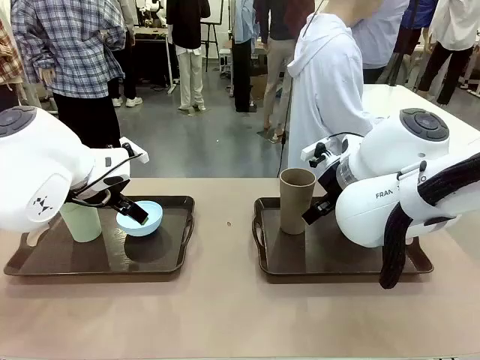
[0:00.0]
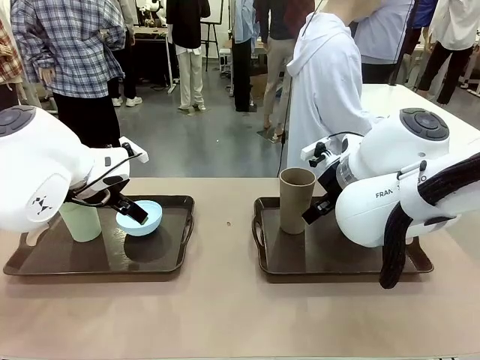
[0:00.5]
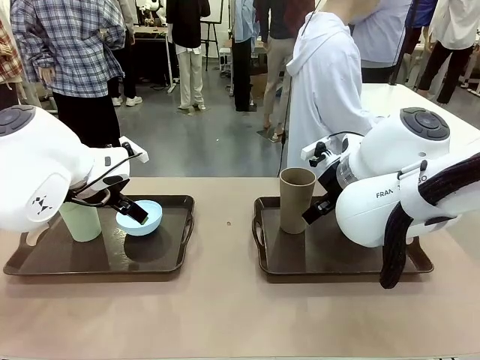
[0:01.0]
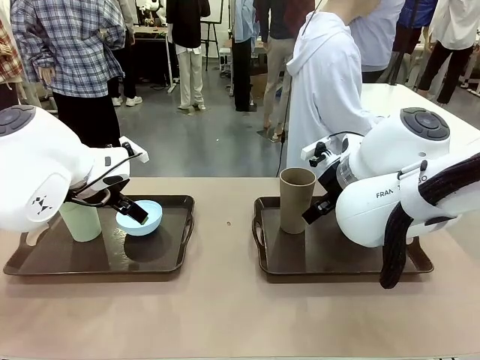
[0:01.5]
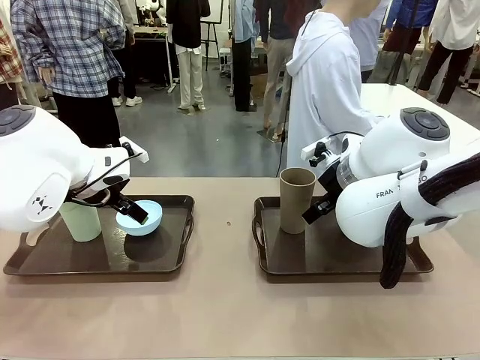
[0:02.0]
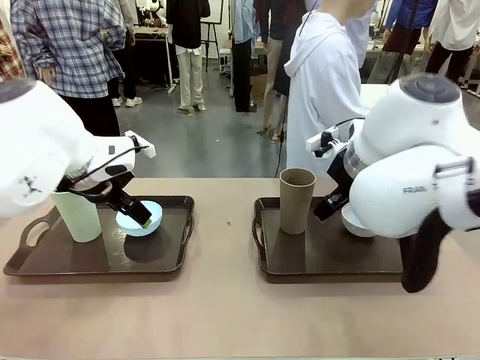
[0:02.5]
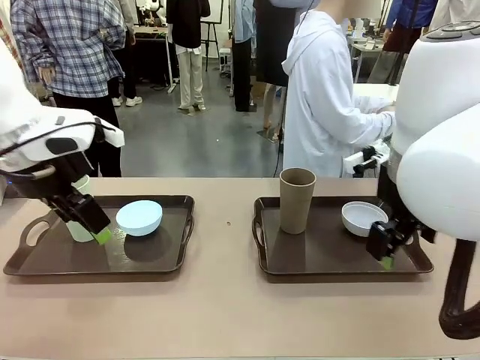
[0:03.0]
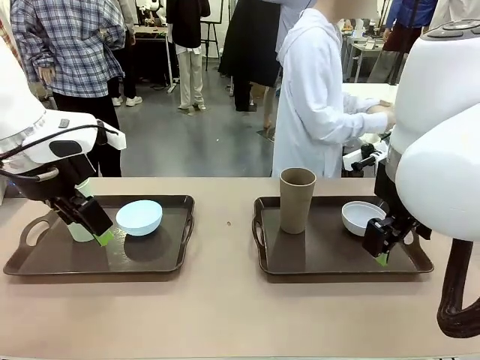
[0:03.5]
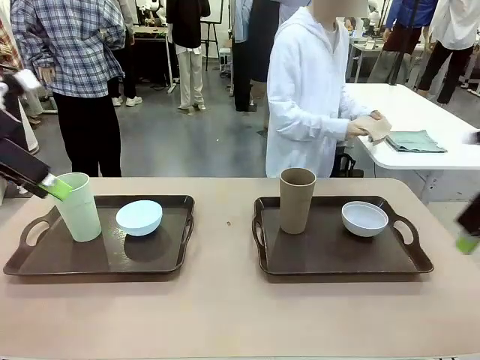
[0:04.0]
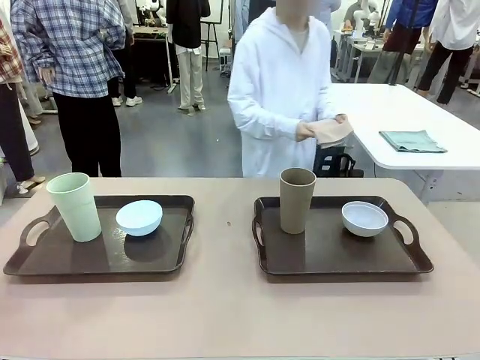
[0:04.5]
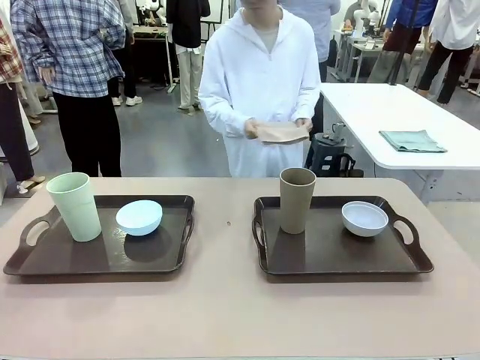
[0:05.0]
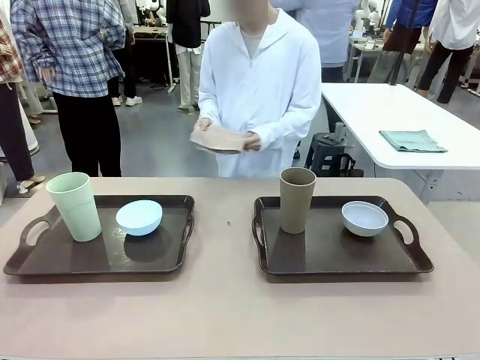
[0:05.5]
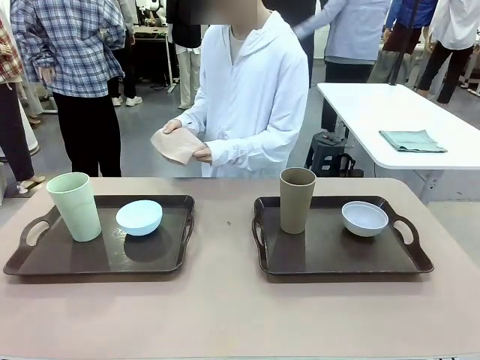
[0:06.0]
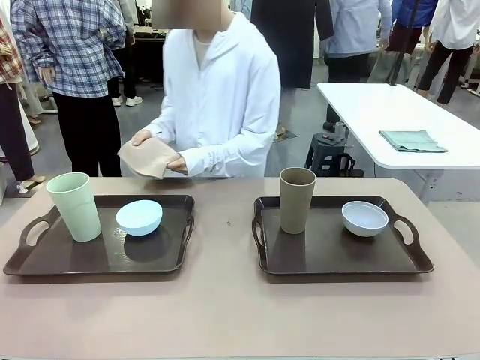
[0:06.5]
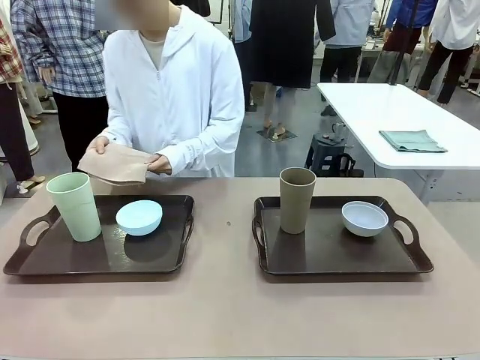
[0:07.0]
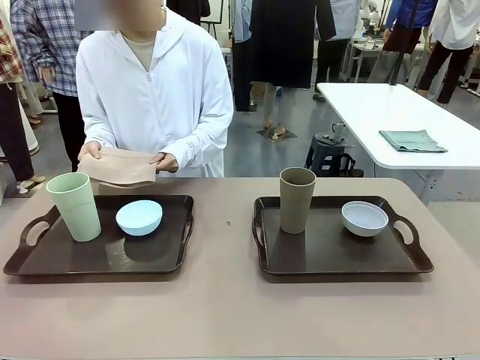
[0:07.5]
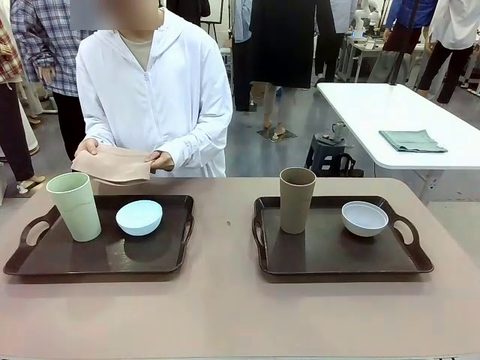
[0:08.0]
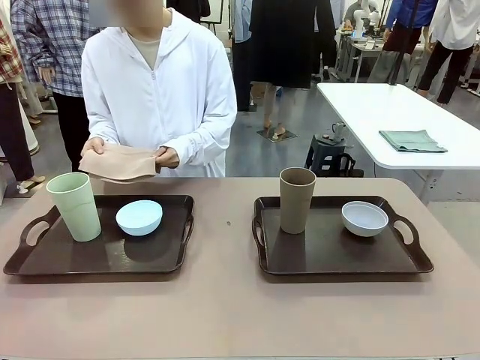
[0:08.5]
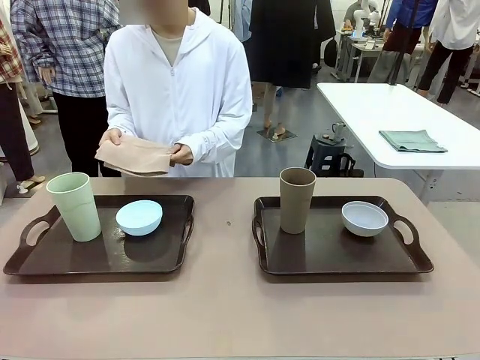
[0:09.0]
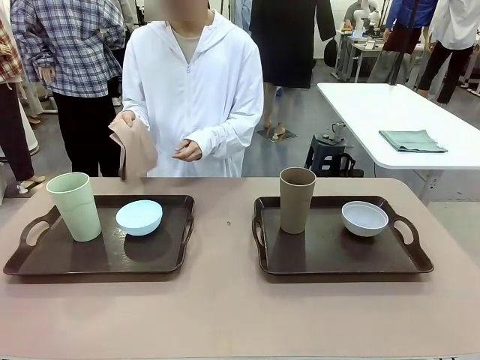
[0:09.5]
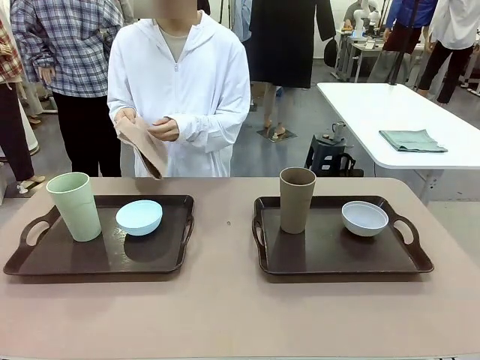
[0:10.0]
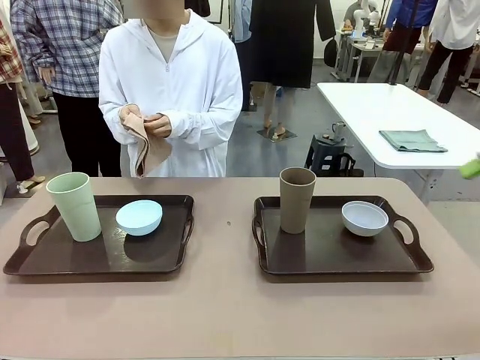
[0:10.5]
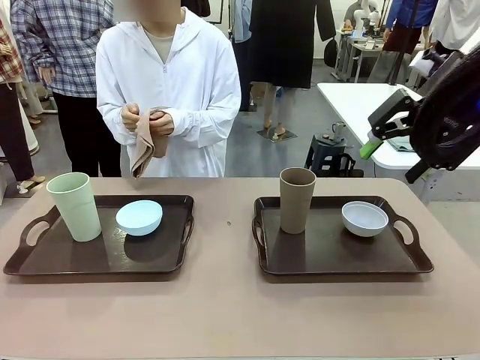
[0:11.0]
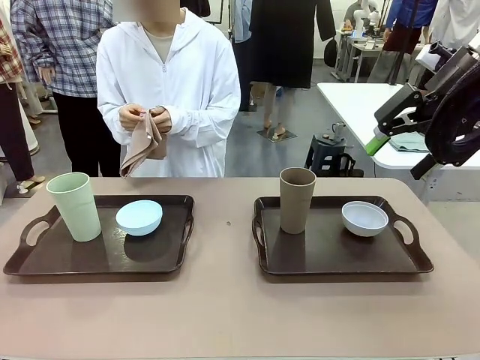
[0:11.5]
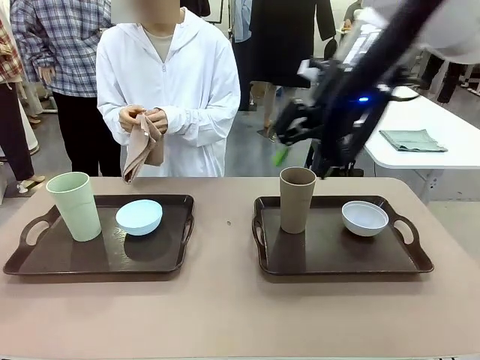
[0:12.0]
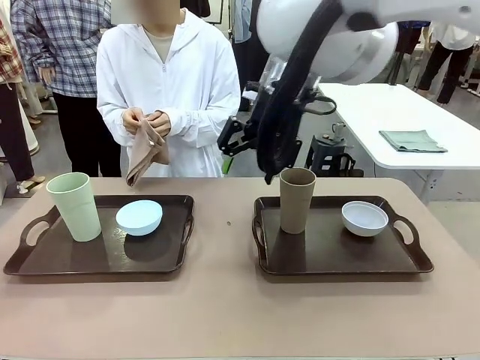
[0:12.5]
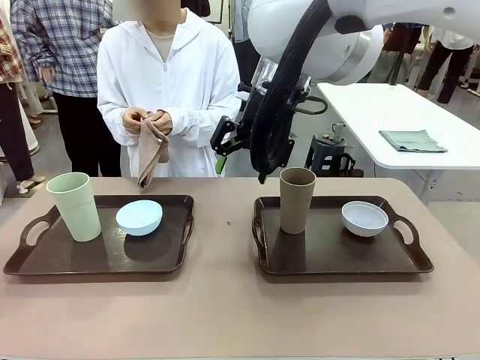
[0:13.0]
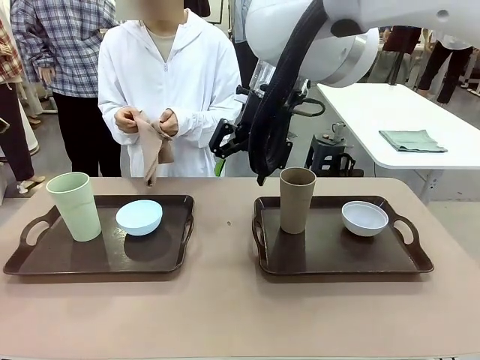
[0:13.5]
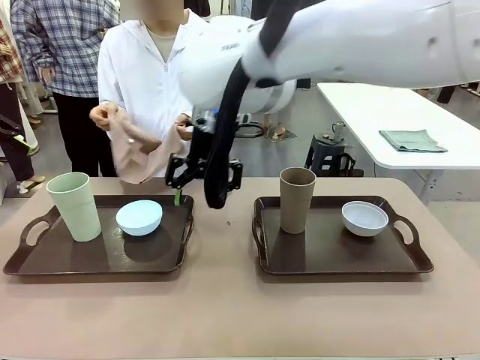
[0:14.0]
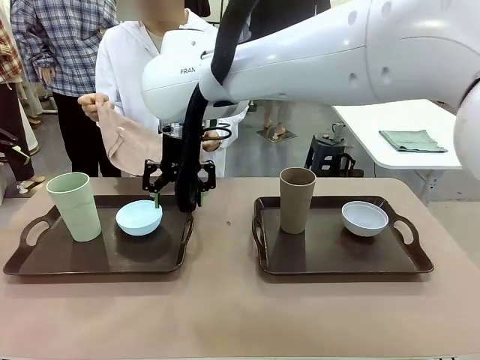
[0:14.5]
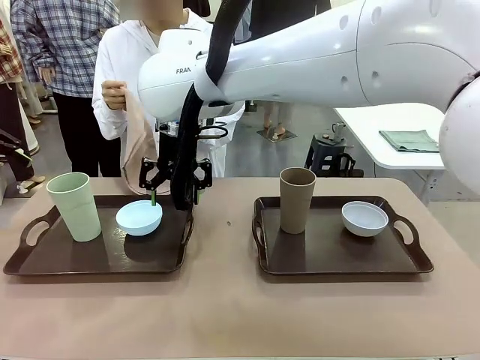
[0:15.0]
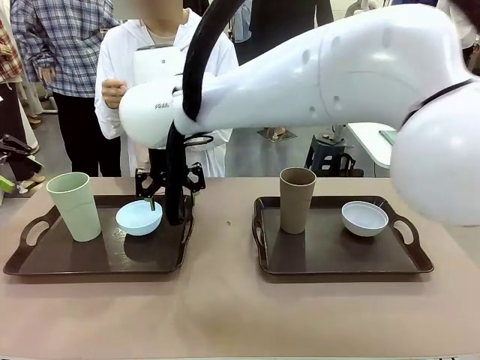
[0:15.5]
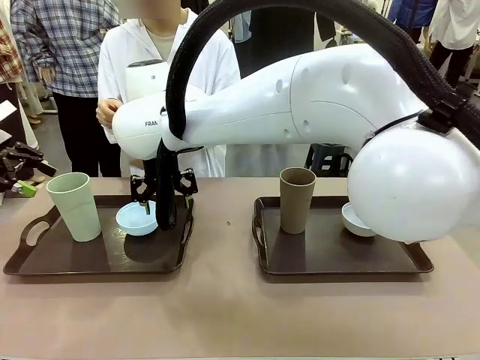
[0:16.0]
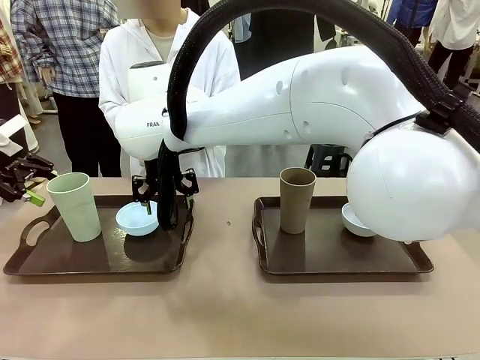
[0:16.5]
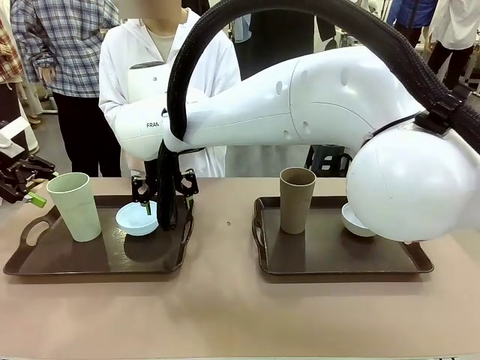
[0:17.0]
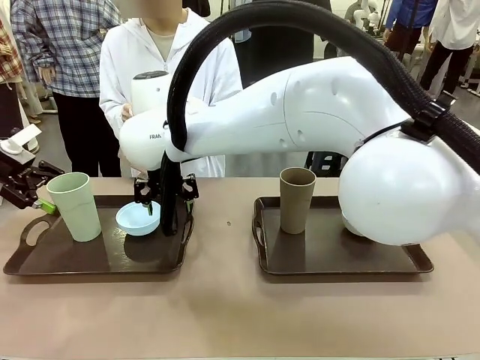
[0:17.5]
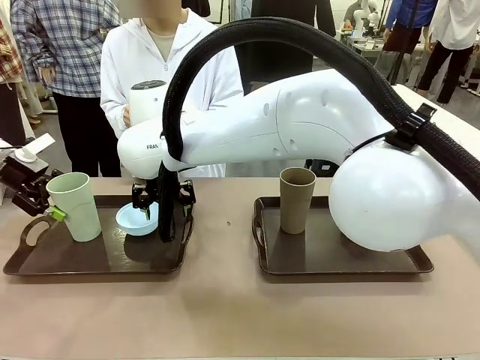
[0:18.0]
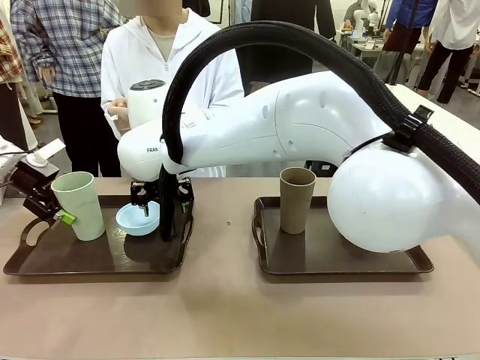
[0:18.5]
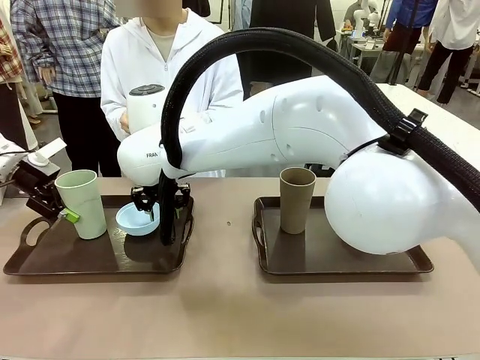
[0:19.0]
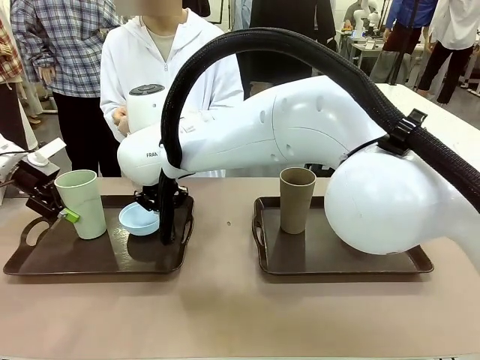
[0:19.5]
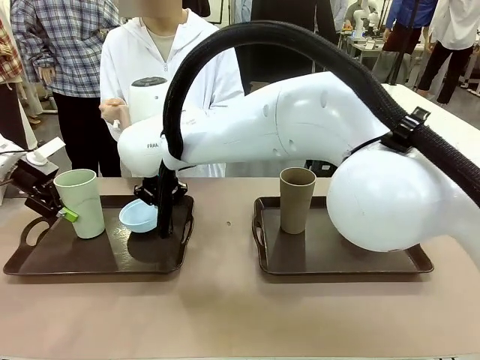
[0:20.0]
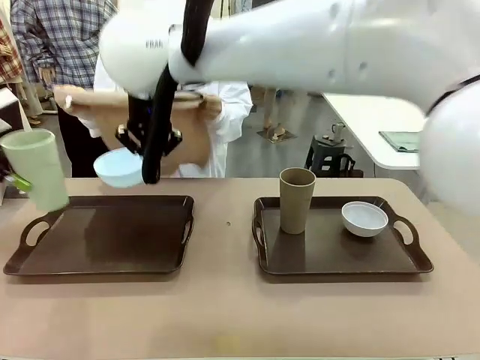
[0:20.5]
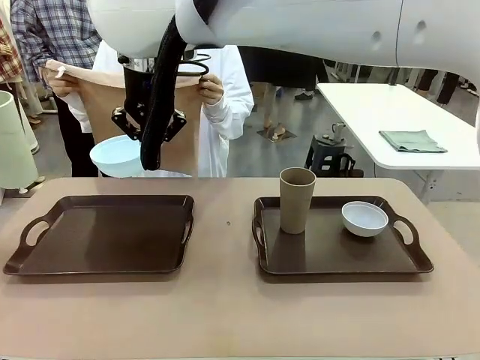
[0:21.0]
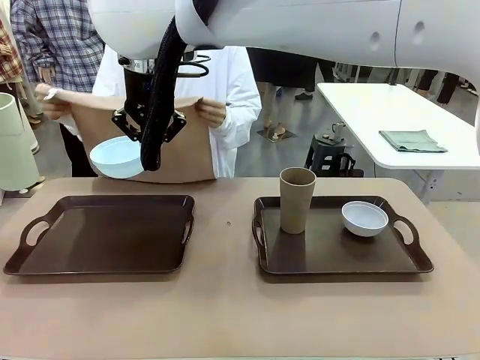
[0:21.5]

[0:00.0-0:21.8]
Robot: Pick up the Picnic Bowl and Reusable plastic cup from the Handle tray in front of the human's position and hold them in the air.
Person: The human picks up the top napkin from the stack on the human table and walks to the robot table to stand in front of one of the two trays. When the robot lifts the bowl and the cup, the human unfolds the napkin and lays the napkin flat on the tray.
